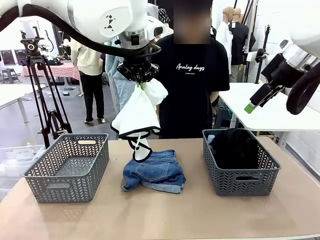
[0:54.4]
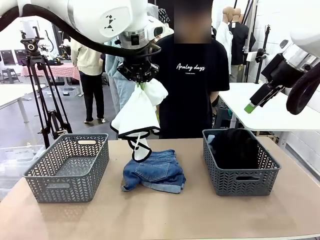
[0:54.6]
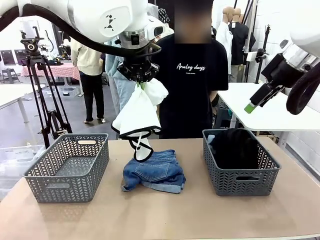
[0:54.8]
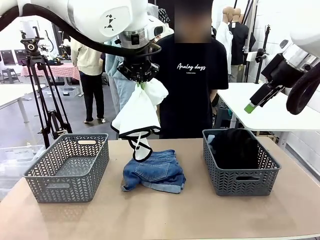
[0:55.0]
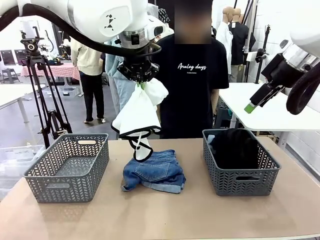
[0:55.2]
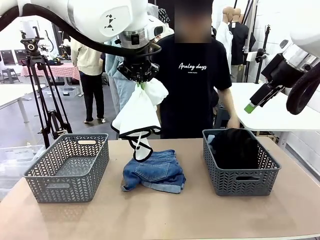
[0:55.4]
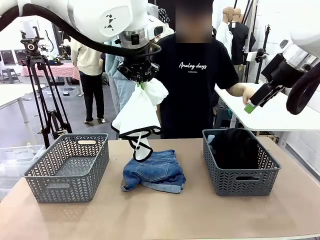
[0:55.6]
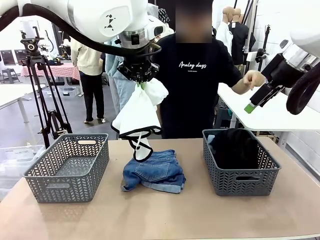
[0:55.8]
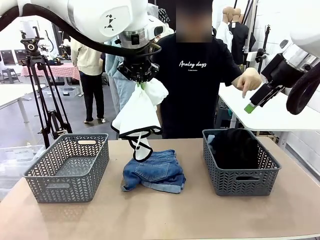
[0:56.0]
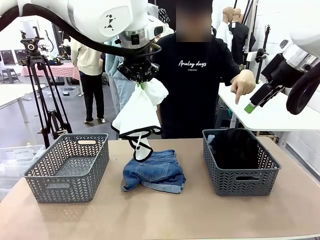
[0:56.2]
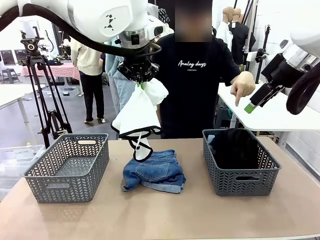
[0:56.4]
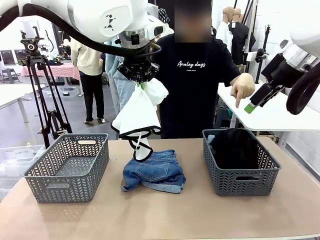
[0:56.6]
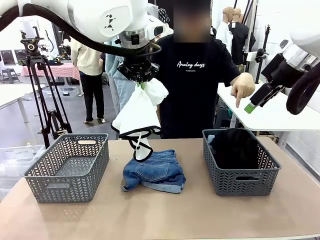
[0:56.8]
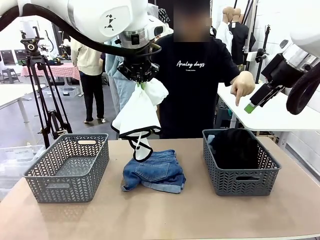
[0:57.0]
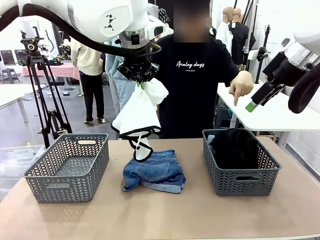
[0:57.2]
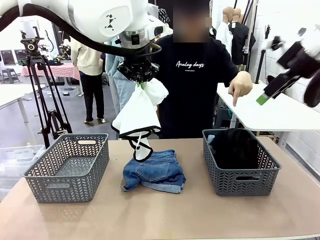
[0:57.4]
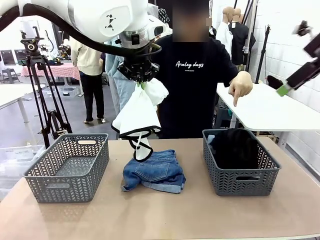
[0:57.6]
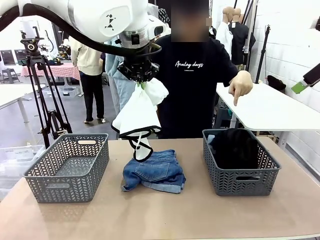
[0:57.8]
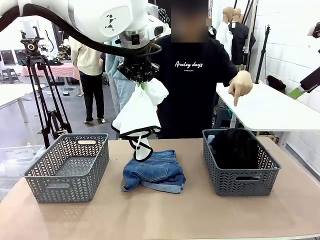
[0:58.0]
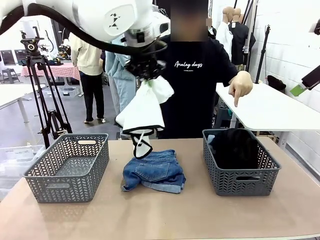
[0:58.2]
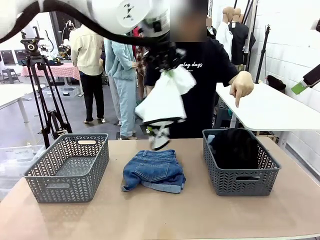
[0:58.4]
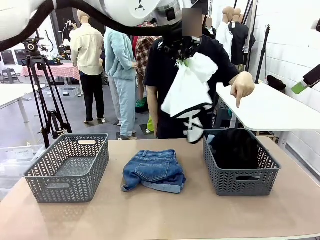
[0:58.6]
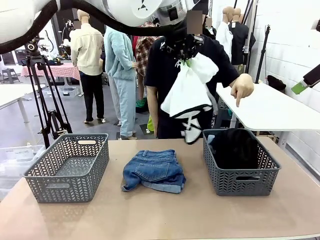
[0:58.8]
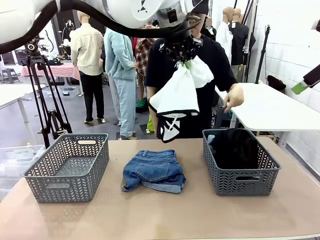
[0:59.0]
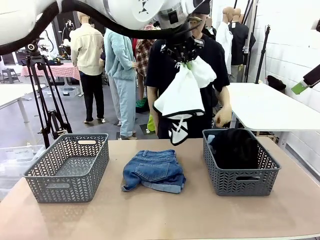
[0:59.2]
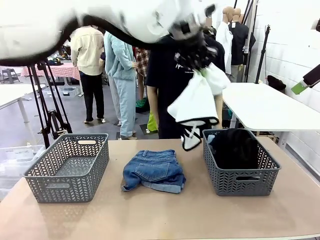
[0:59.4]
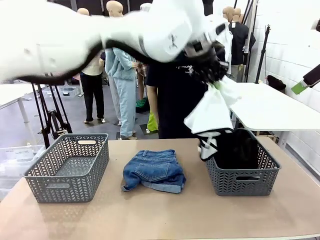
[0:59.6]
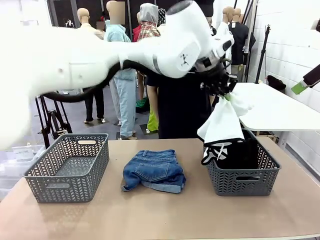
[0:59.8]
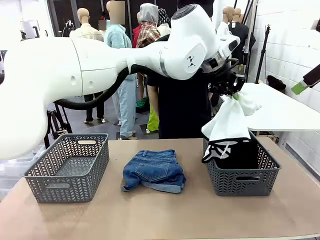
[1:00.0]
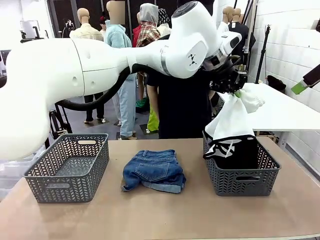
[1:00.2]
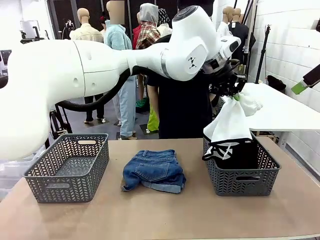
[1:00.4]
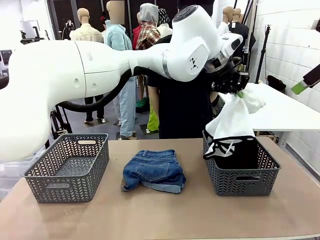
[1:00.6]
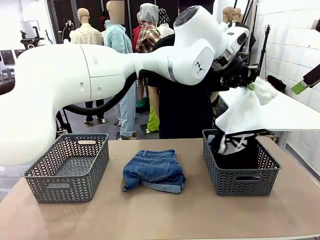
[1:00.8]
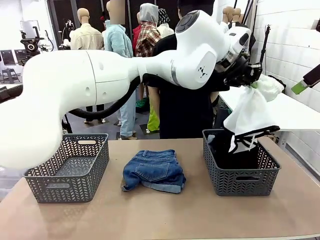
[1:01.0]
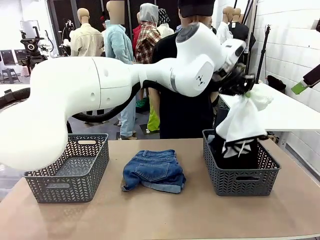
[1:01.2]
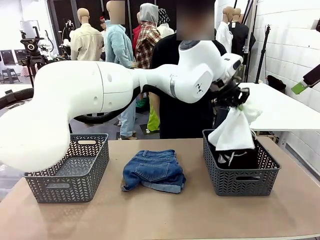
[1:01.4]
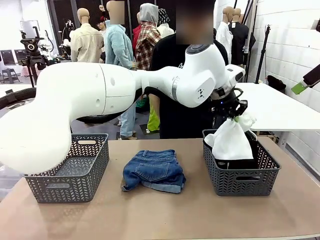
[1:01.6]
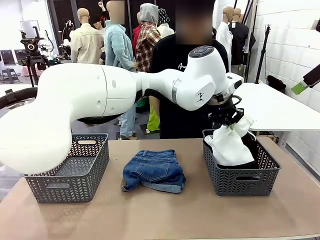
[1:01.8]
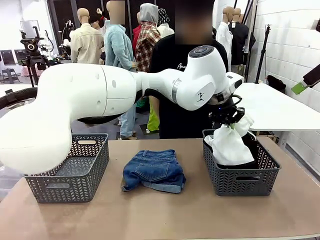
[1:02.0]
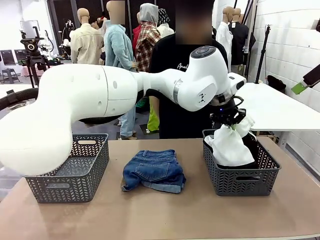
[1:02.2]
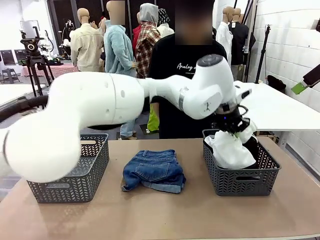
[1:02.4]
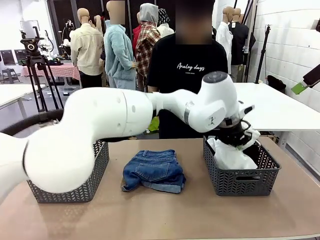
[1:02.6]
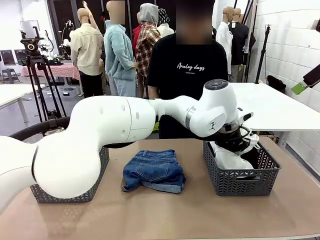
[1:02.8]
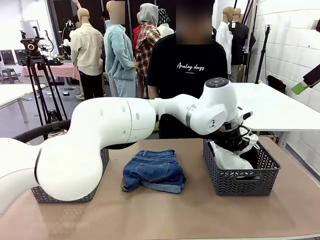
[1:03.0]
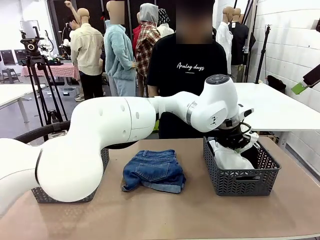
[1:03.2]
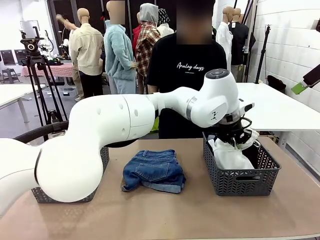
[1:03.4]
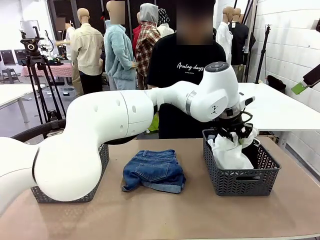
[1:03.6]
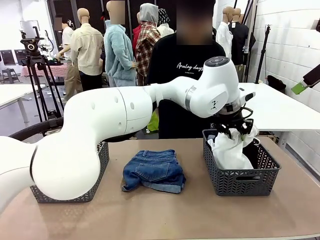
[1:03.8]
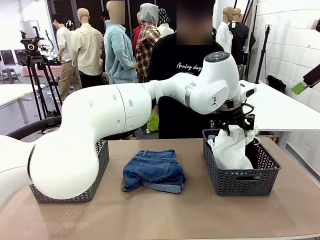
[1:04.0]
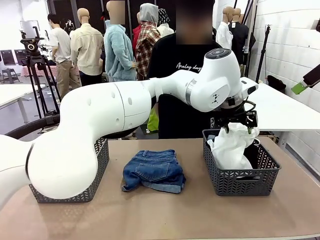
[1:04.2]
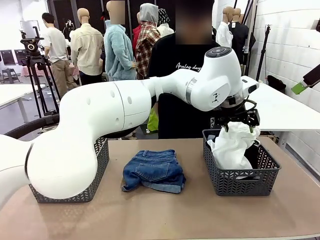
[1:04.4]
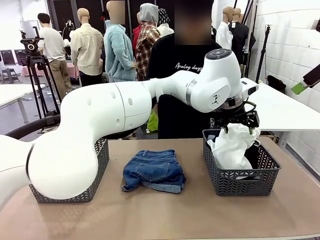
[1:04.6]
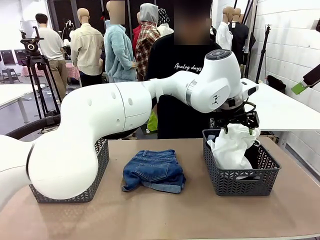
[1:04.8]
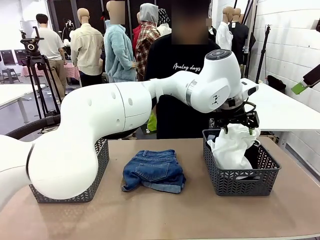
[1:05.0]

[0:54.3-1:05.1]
Task: Sort the tops and bottoms.
Robot: Sort the clothes according to human instructions.

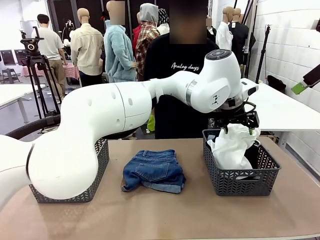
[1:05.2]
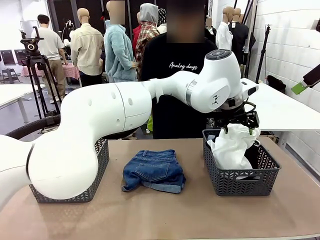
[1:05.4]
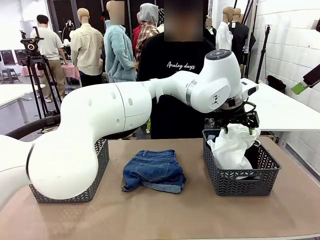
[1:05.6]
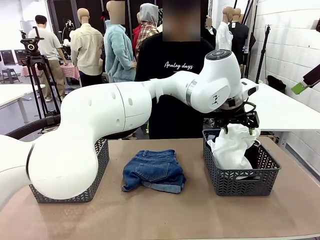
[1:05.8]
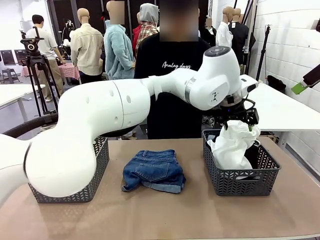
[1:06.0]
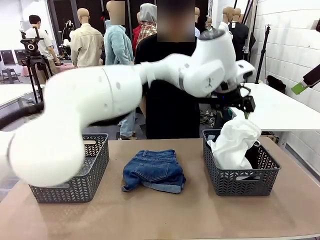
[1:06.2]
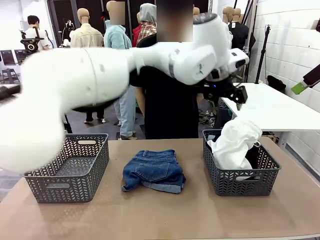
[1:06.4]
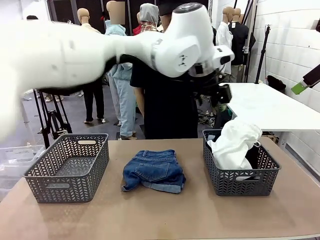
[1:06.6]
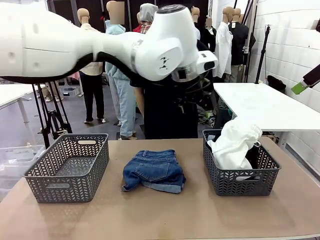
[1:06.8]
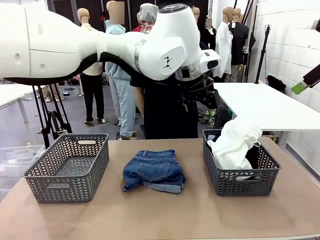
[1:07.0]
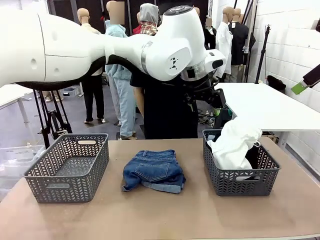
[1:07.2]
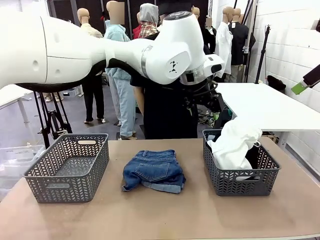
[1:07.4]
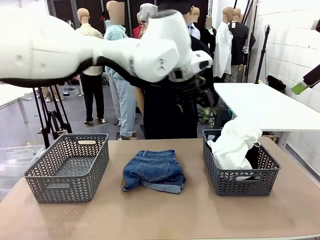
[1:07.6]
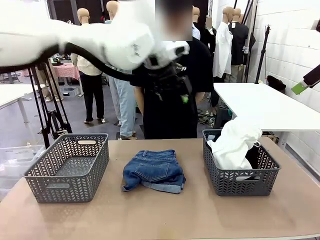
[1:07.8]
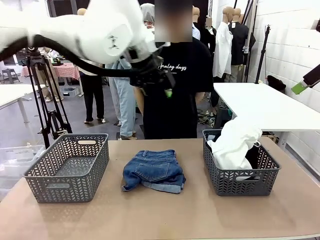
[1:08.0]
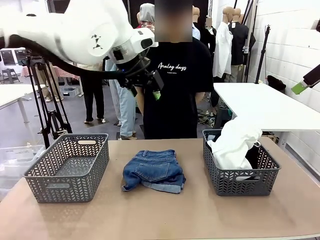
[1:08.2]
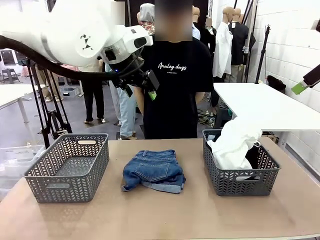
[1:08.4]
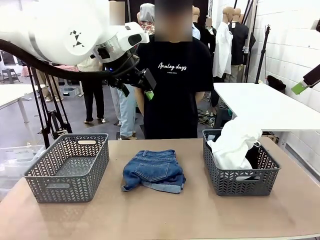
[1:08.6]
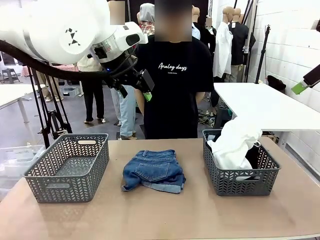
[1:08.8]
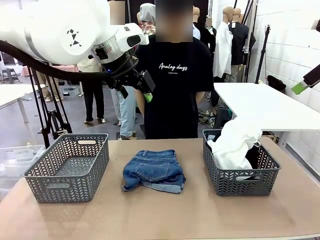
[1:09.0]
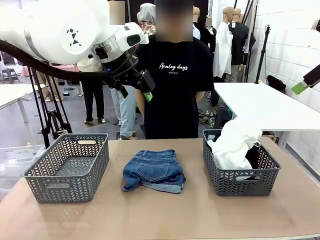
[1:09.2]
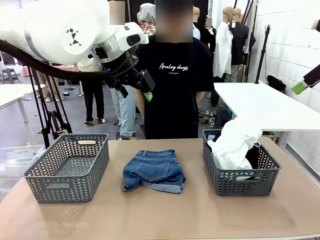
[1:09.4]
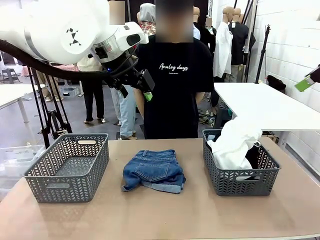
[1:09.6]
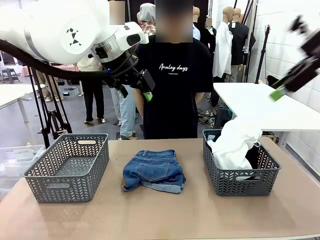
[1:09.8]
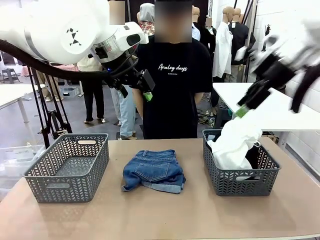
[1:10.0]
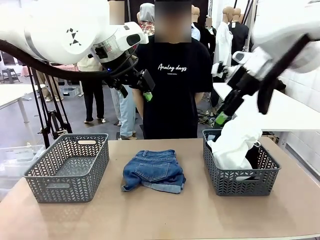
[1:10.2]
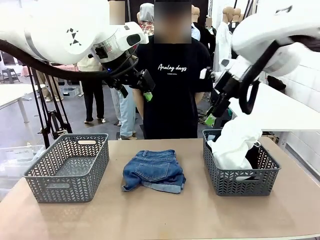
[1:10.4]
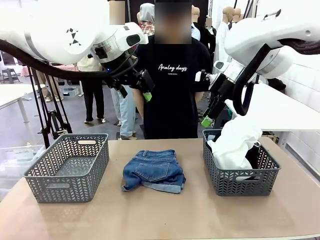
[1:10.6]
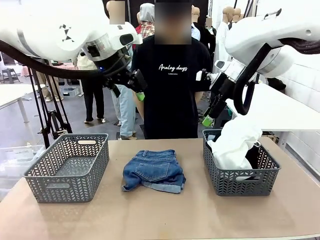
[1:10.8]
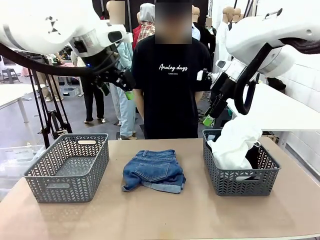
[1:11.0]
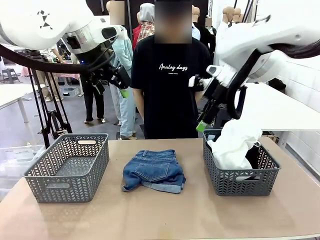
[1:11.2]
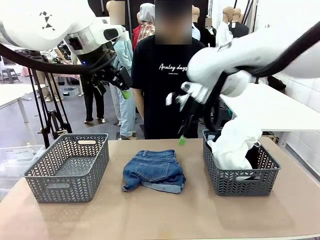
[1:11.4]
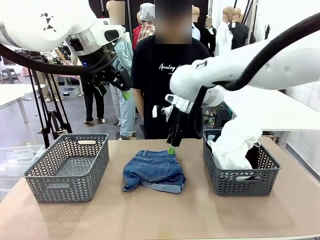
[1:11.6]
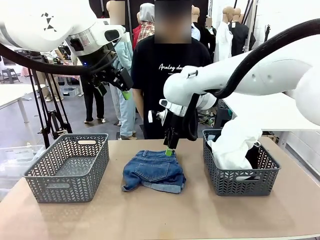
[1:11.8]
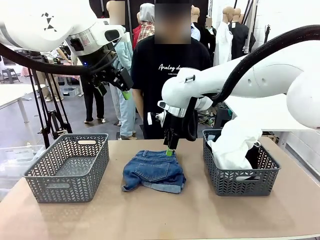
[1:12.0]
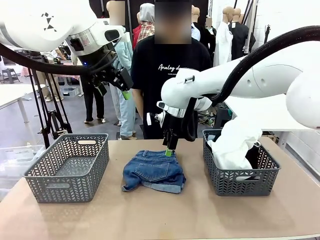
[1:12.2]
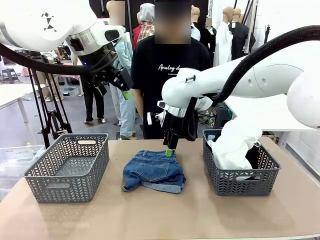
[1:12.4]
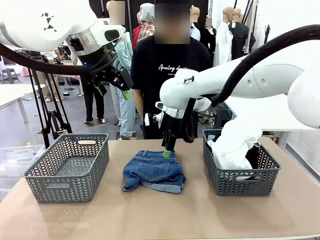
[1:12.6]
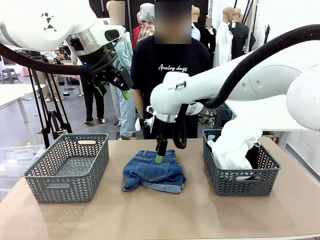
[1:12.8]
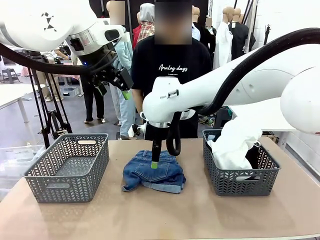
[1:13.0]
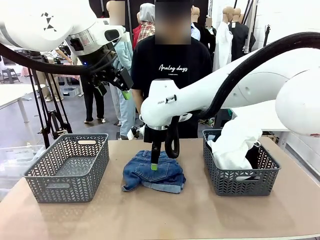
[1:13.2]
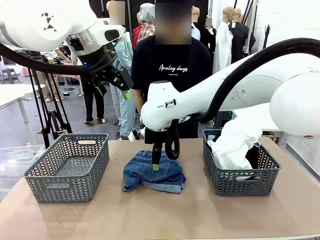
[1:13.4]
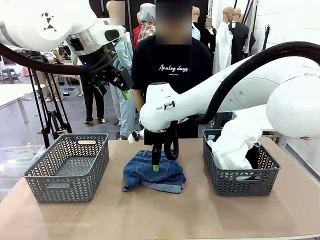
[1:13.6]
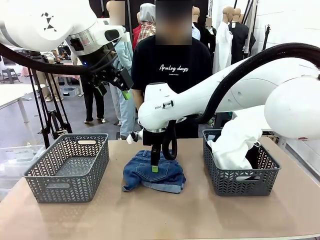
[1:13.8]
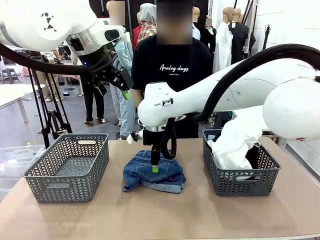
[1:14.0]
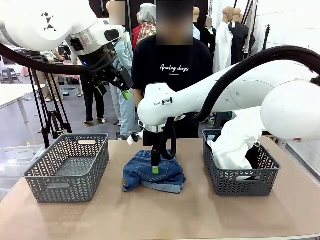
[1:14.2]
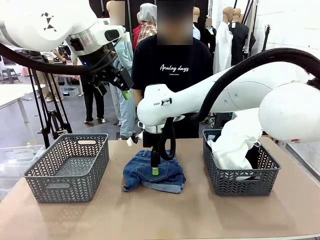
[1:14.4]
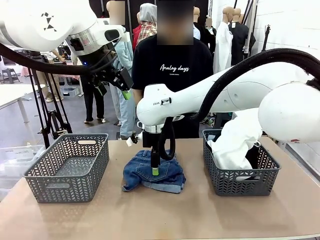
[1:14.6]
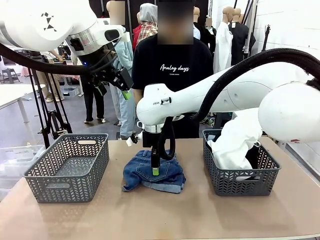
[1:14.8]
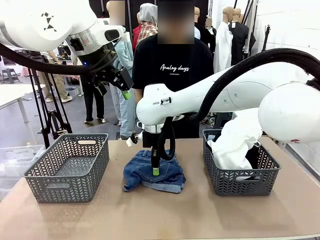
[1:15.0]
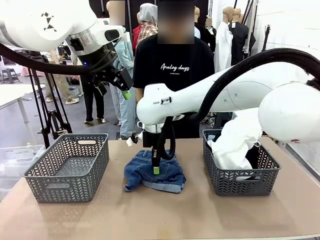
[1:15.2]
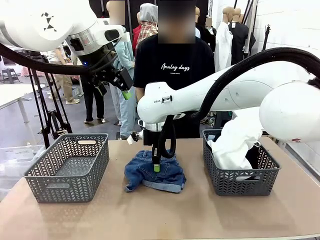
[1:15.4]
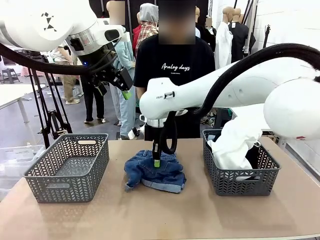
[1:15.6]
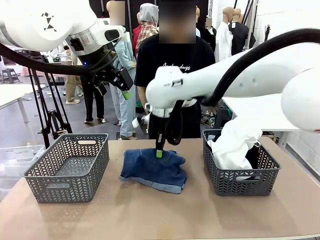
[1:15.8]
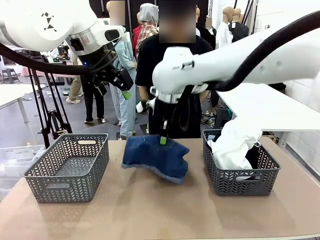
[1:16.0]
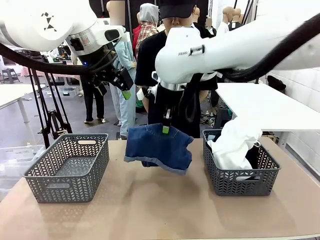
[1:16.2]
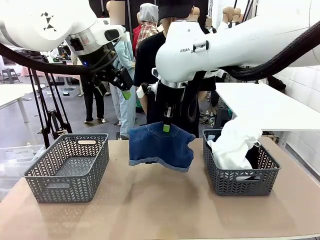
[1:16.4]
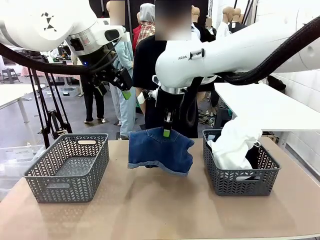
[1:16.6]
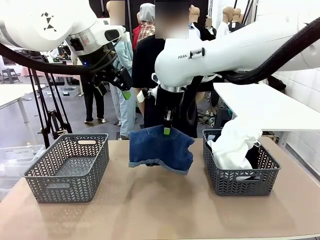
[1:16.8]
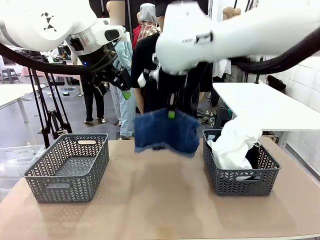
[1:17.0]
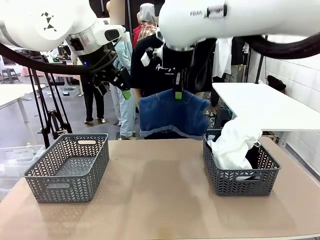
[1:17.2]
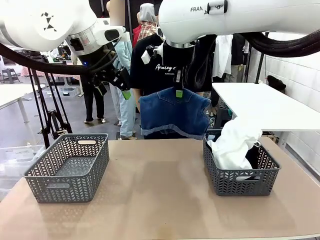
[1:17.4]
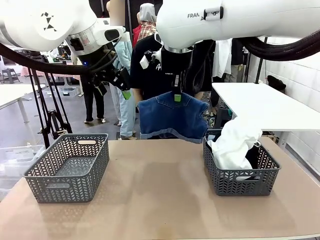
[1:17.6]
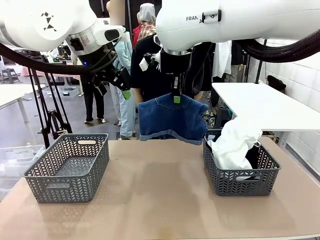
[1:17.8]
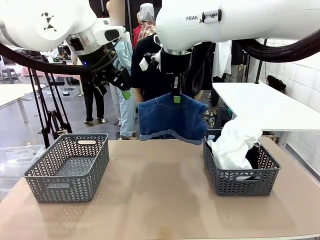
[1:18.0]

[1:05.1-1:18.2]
Robot: Lift clothes from the center of the table with your right hand.
